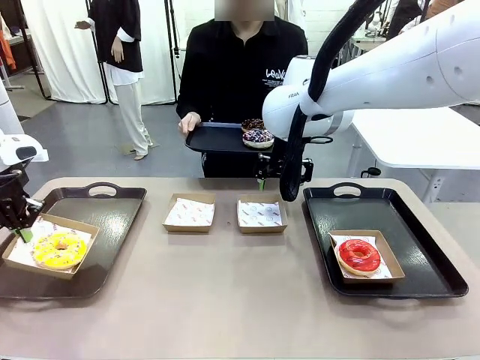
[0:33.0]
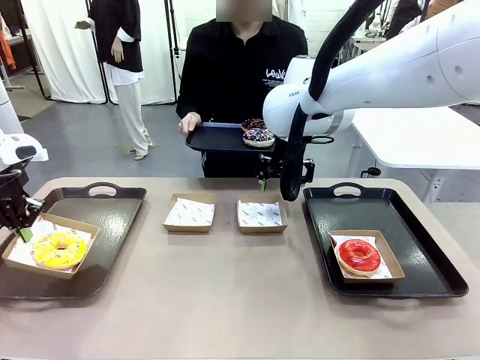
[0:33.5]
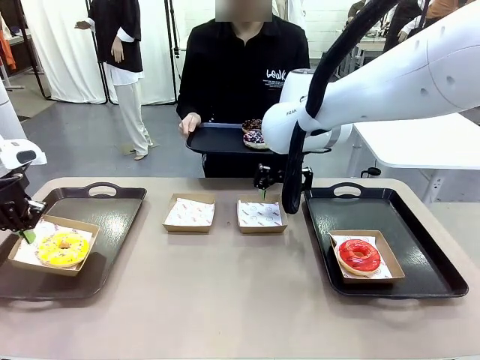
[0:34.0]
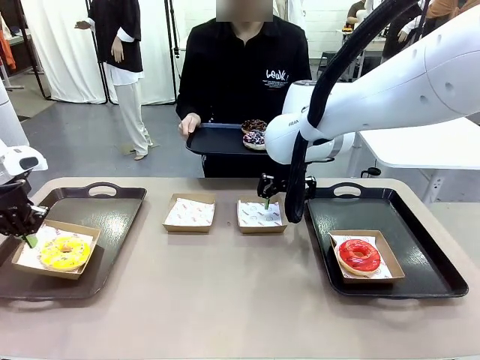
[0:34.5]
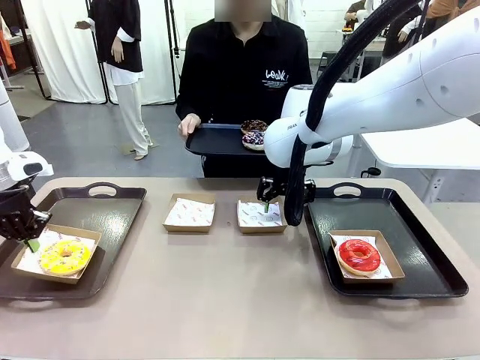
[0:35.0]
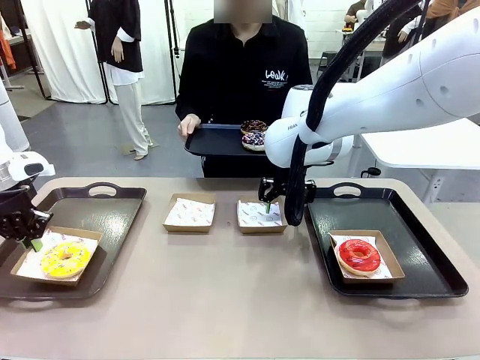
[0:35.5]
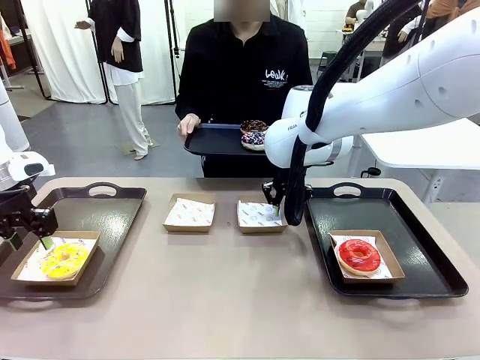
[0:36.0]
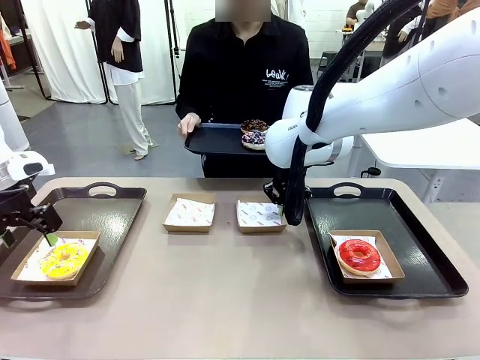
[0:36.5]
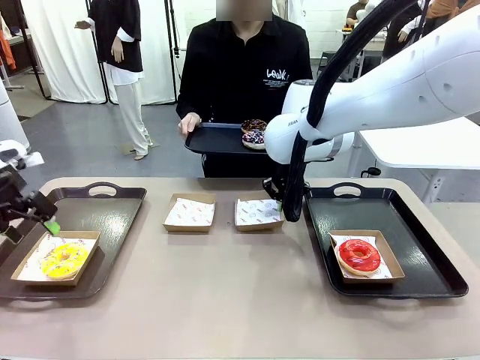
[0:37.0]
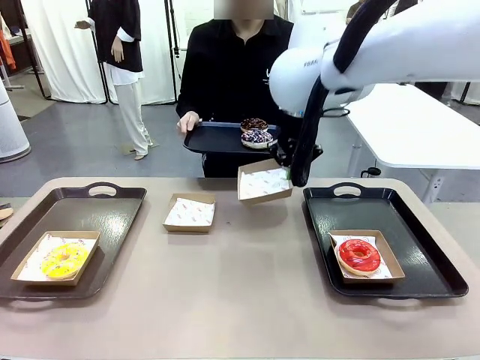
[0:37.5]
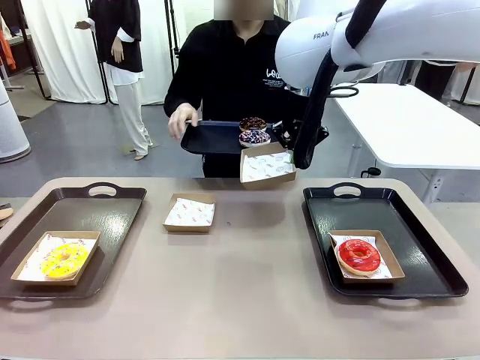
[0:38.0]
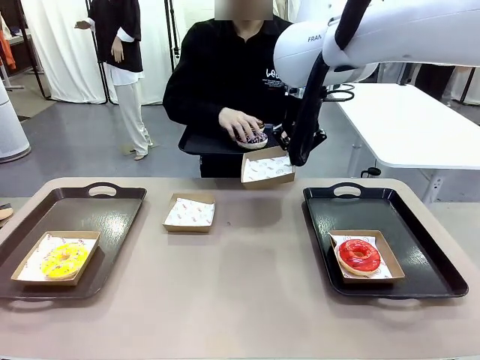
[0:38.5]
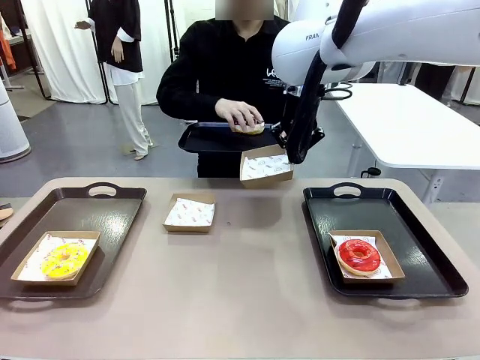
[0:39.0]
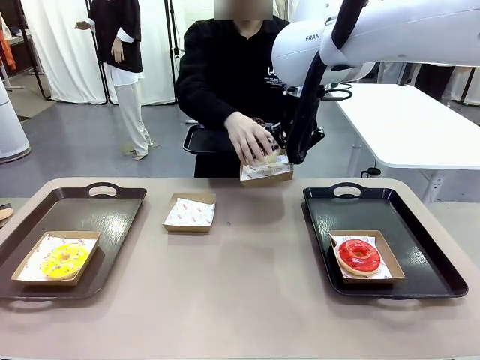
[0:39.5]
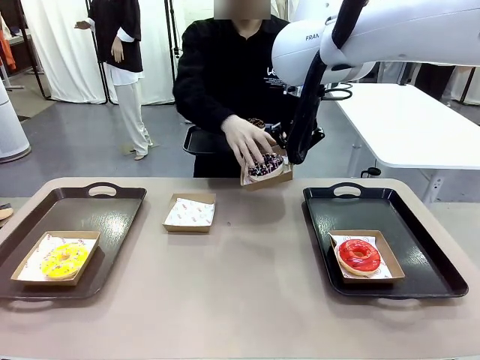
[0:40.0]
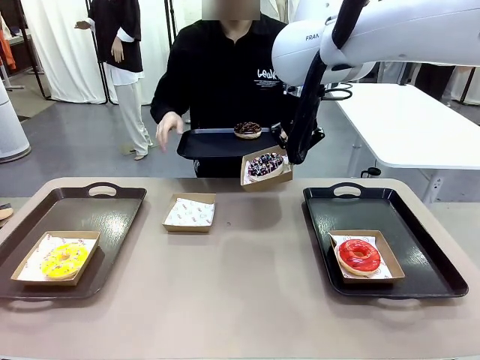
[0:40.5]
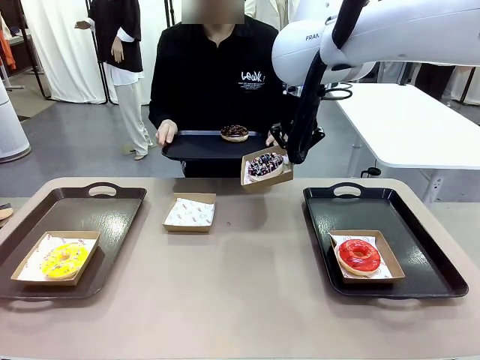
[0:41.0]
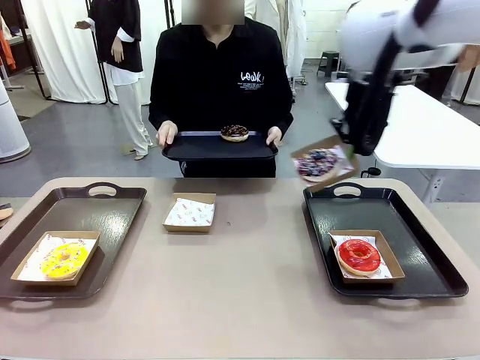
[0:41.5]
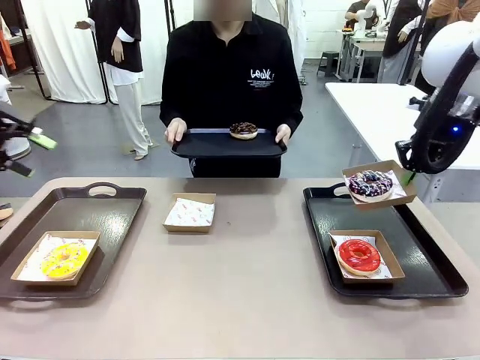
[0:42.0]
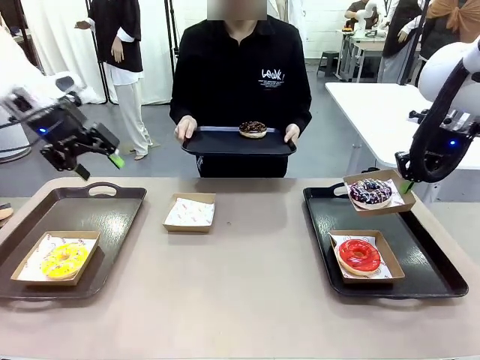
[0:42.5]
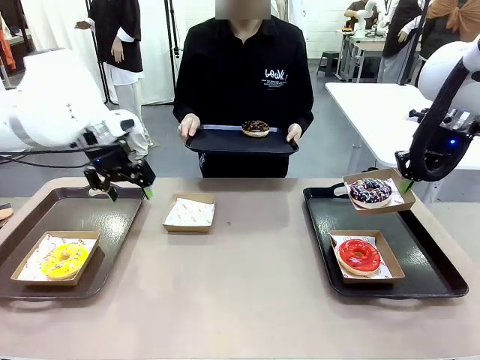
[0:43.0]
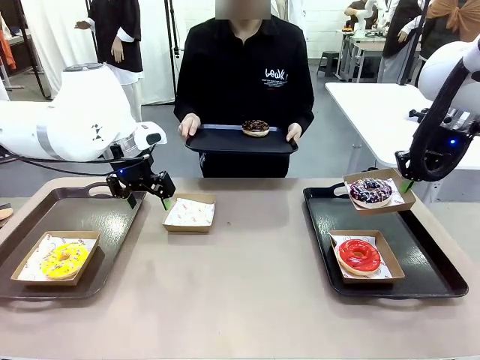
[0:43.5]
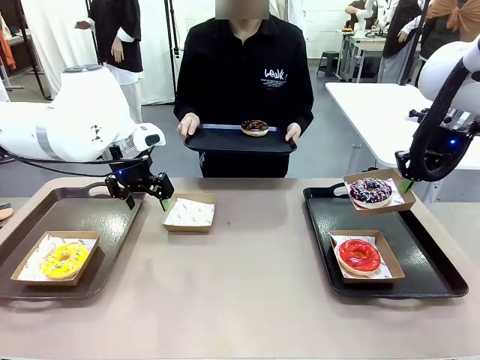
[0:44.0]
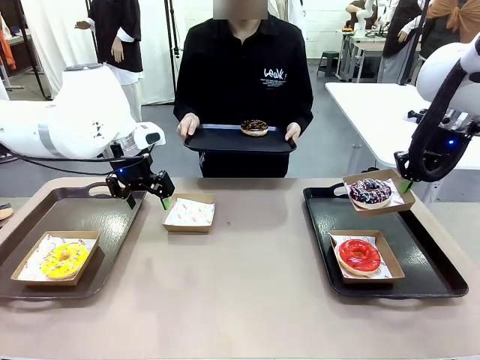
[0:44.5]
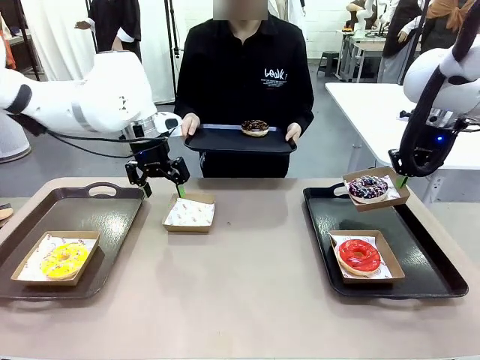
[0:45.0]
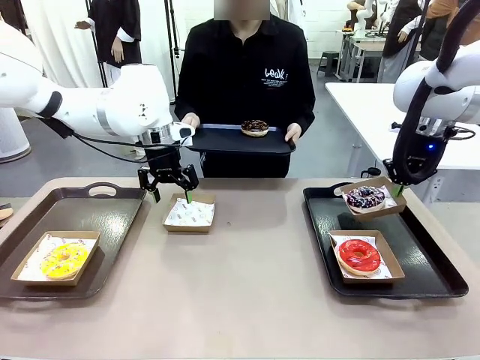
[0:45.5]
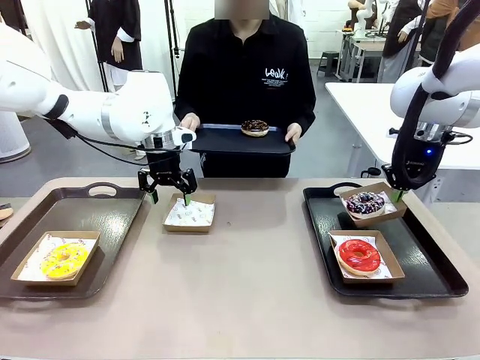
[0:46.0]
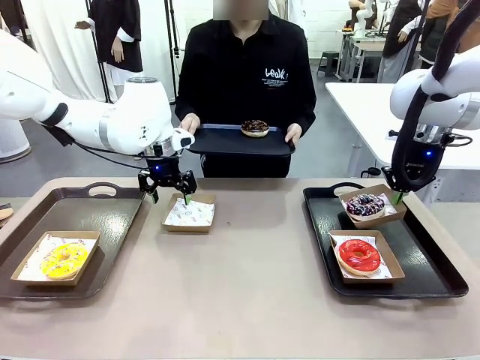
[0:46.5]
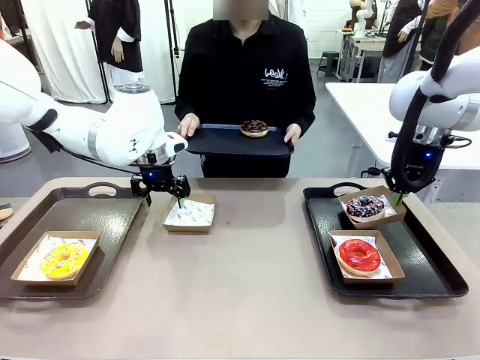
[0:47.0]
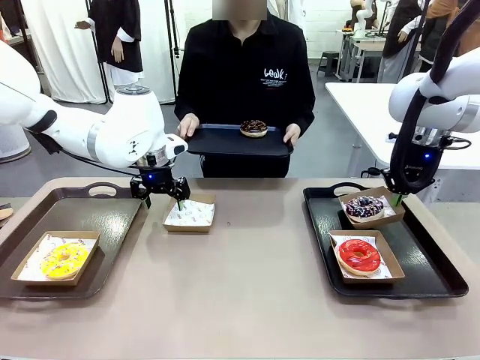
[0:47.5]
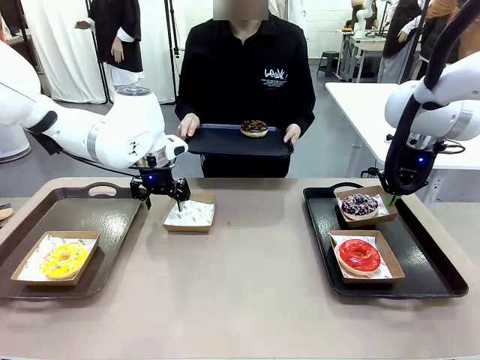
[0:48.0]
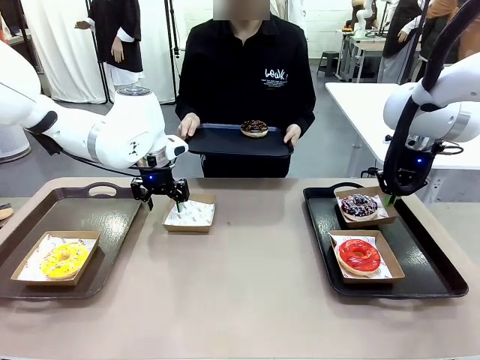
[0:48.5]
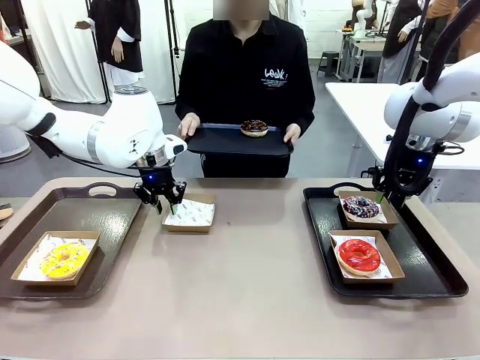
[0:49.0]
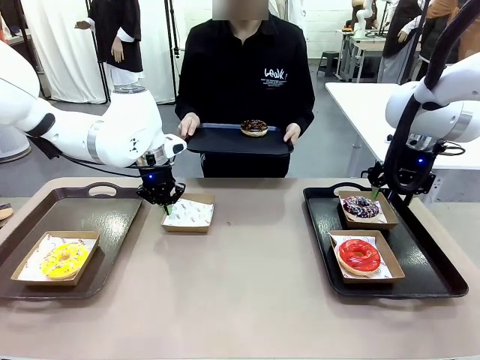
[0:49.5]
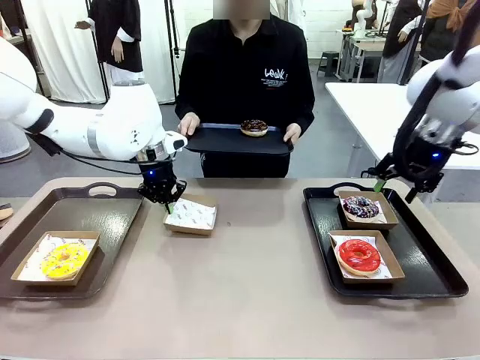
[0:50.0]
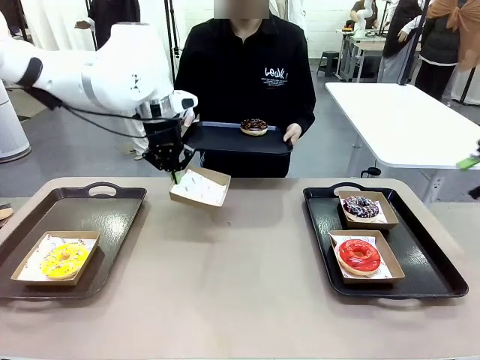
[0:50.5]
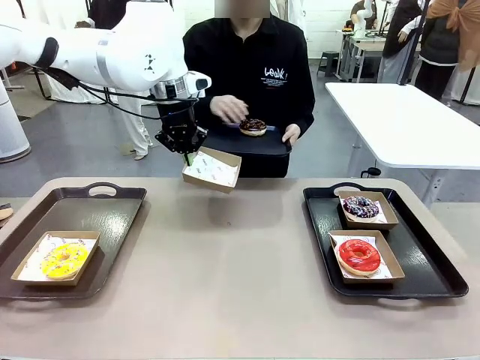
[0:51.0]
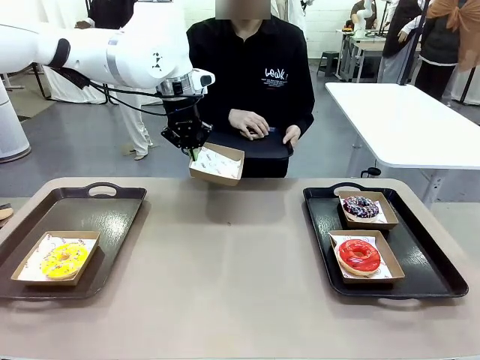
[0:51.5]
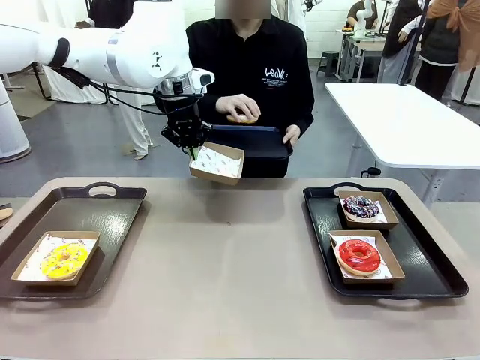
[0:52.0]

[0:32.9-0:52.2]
Task: Individually package the donuts and arrange them on the tray.
Robot: Place the picked Paper togo box on the Handle tray while simultaneously picking up another Paper togo box from the table with the other hand.

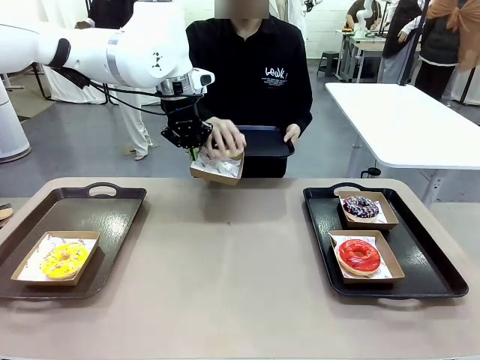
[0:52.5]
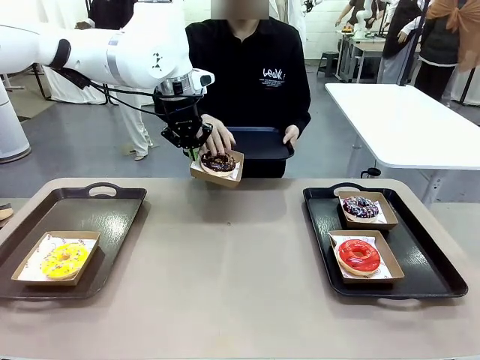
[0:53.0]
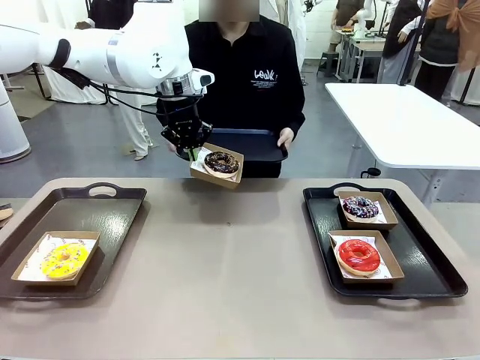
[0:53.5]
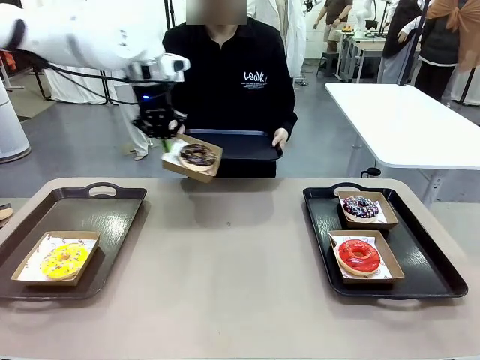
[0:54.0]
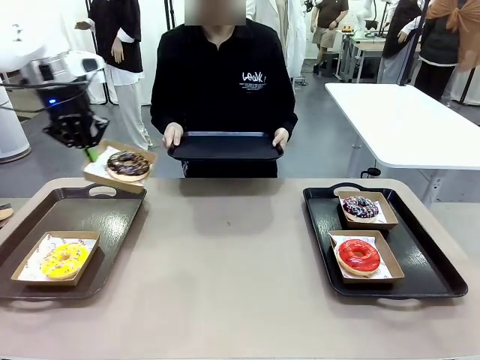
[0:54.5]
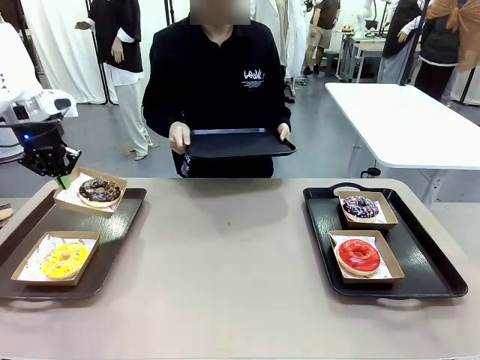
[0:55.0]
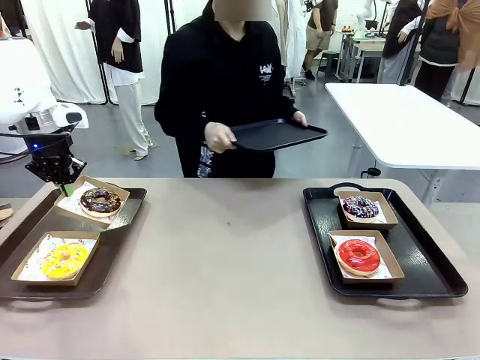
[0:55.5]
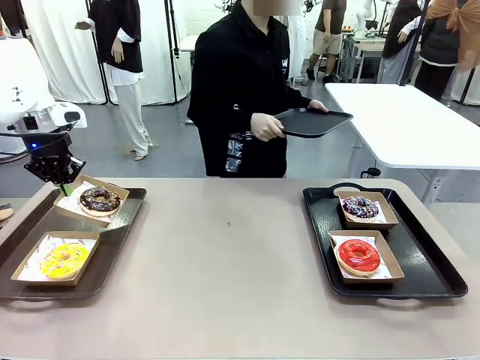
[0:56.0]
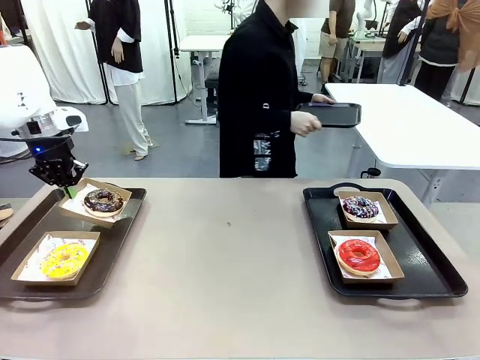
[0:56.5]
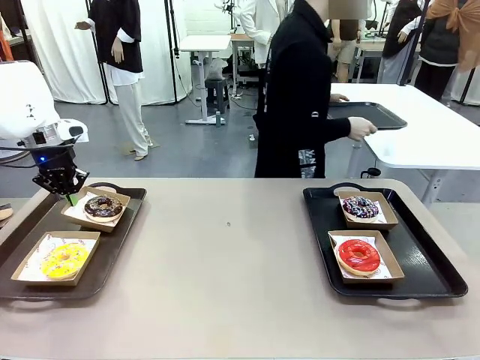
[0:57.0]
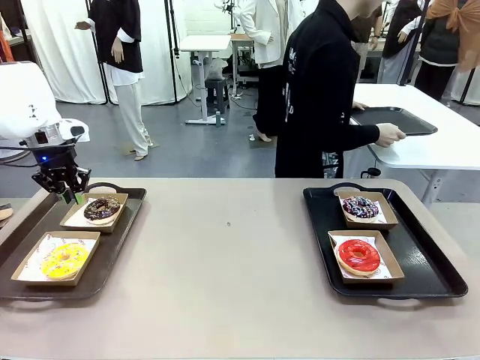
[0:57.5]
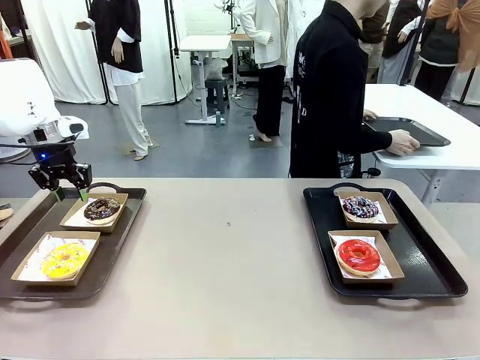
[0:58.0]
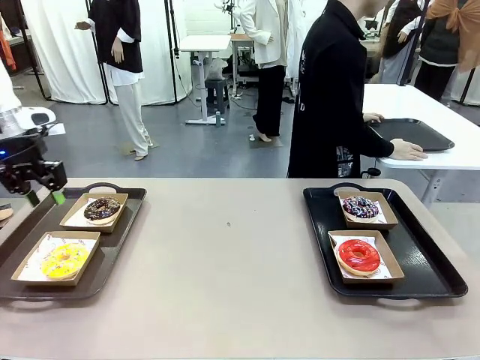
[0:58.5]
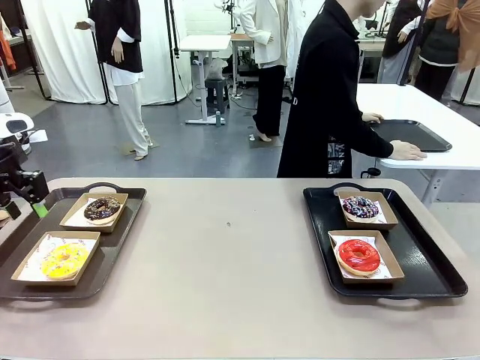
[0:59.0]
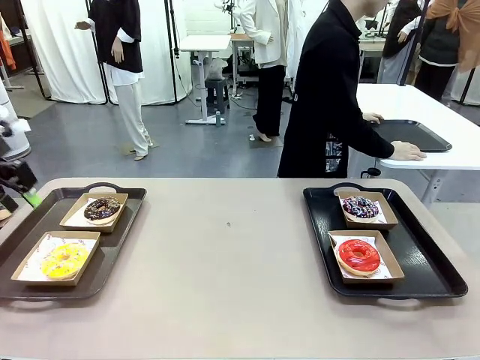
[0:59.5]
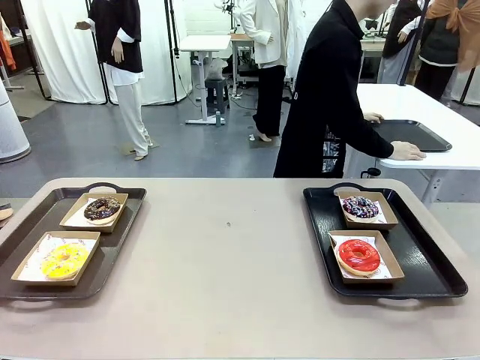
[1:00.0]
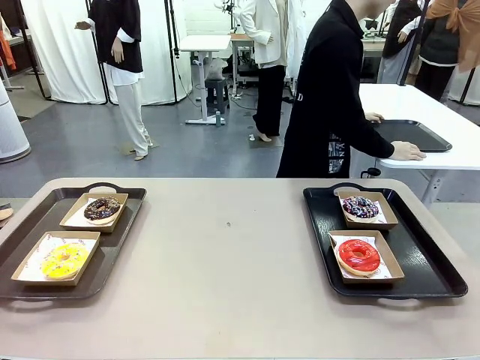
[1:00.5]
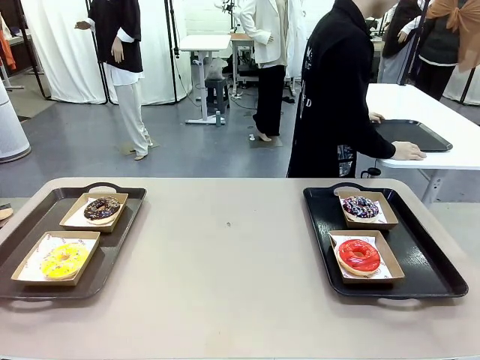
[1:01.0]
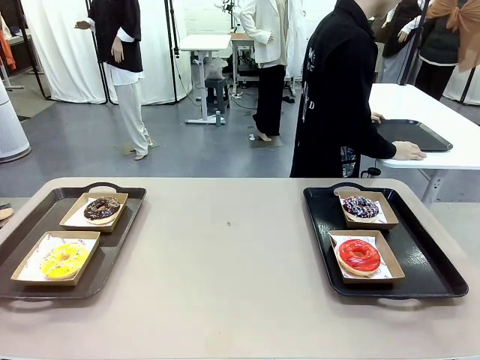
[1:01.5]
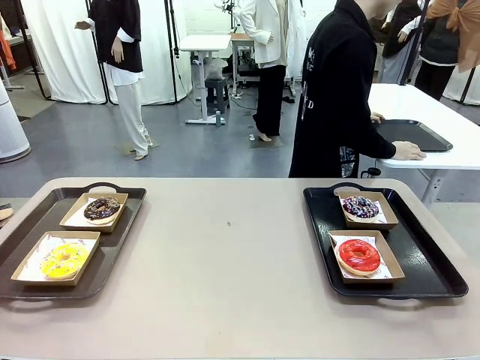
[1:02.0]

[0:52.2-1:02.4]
Robot: Place the picked Paper togo box on the Handle tray.
Person: Place the tray down in the middle of the human table.
